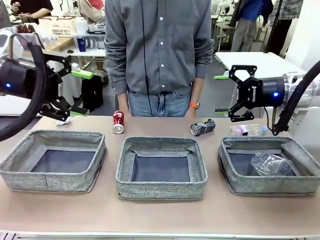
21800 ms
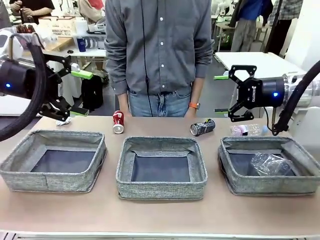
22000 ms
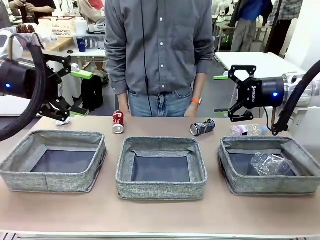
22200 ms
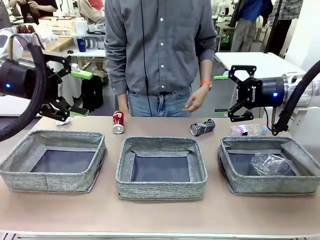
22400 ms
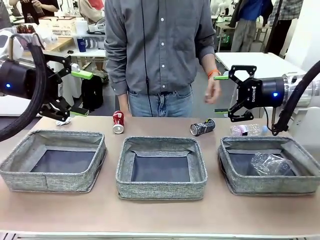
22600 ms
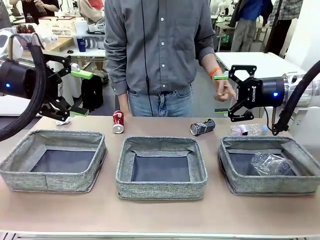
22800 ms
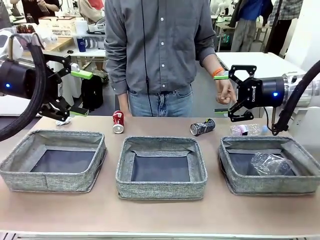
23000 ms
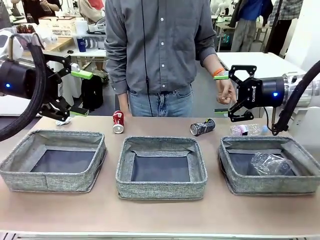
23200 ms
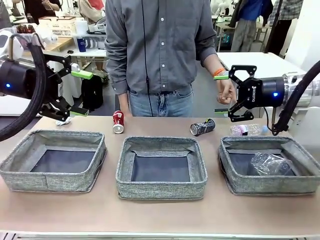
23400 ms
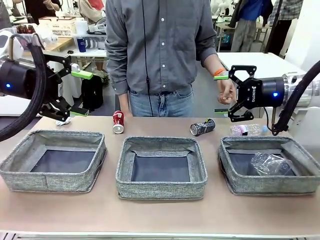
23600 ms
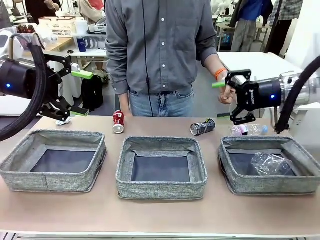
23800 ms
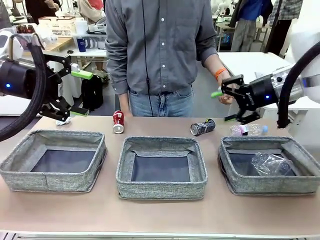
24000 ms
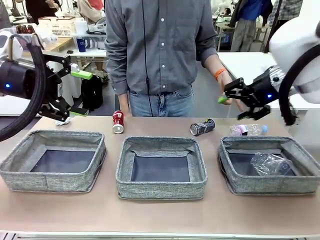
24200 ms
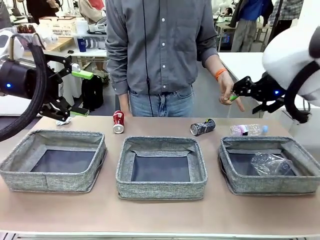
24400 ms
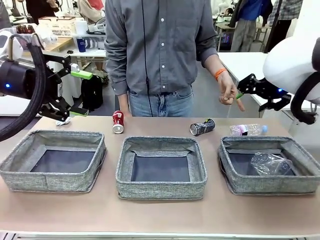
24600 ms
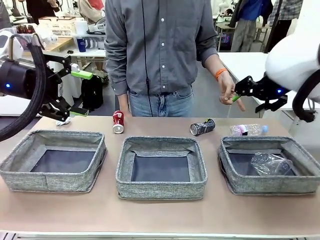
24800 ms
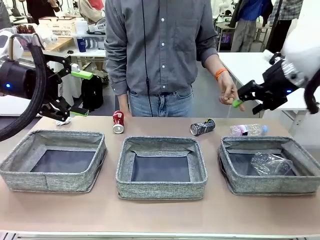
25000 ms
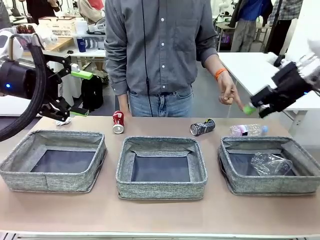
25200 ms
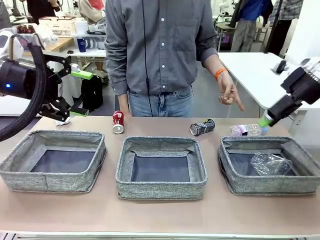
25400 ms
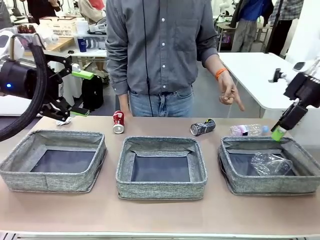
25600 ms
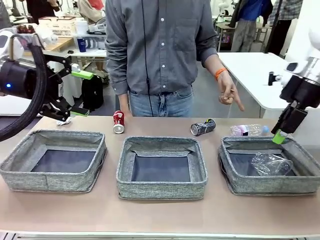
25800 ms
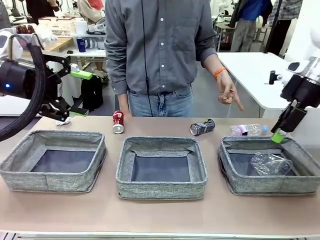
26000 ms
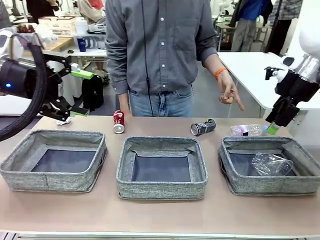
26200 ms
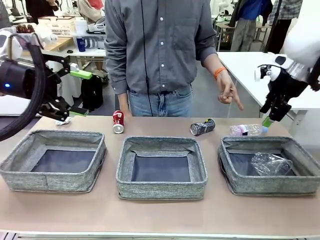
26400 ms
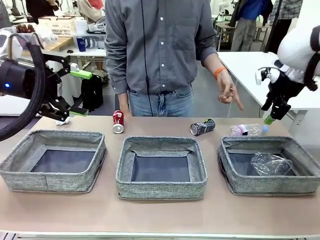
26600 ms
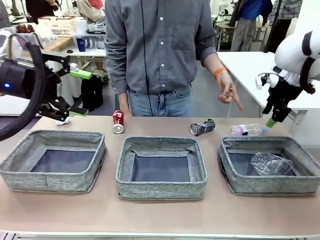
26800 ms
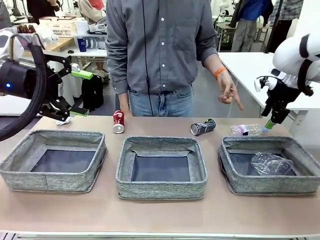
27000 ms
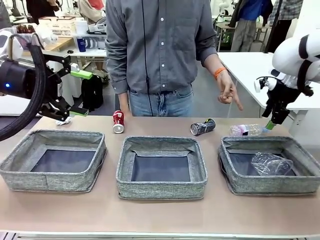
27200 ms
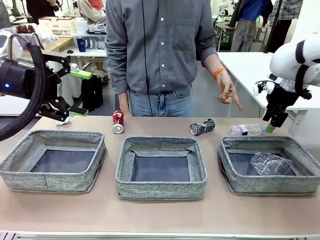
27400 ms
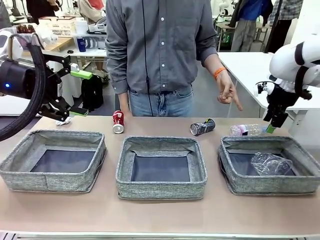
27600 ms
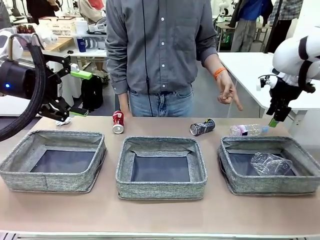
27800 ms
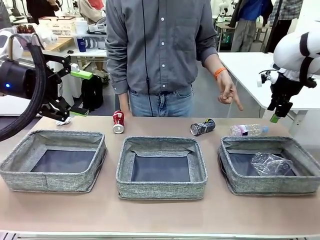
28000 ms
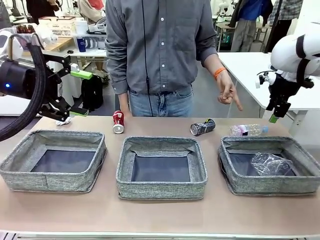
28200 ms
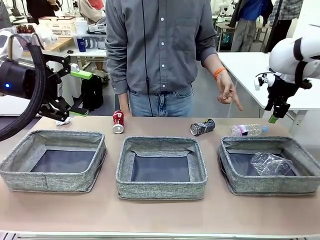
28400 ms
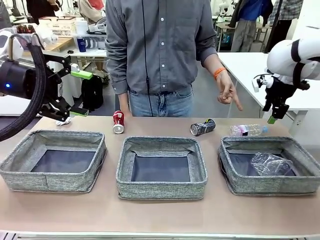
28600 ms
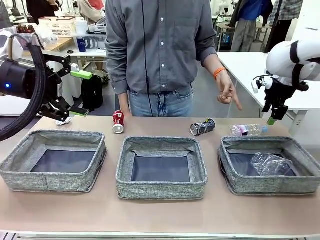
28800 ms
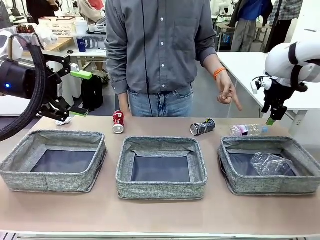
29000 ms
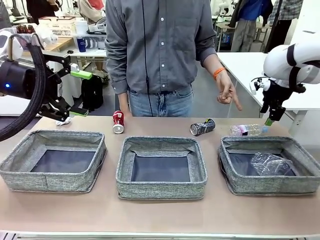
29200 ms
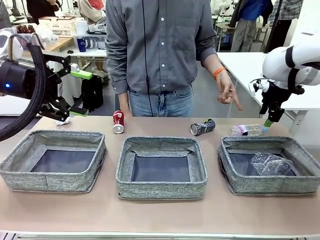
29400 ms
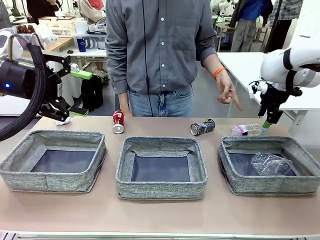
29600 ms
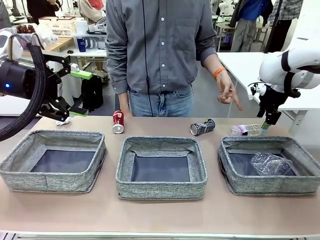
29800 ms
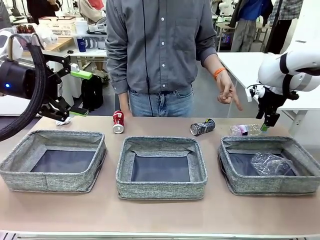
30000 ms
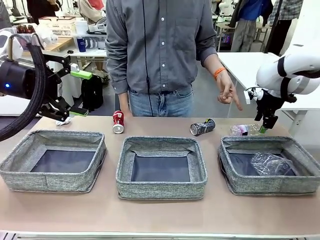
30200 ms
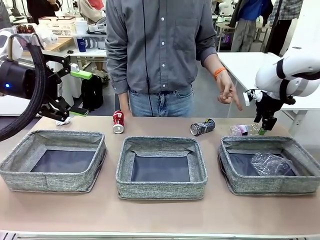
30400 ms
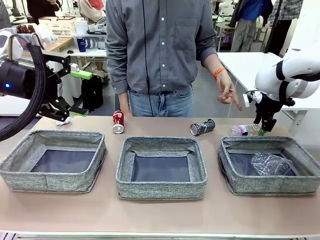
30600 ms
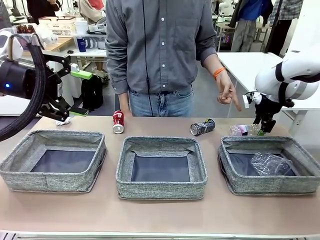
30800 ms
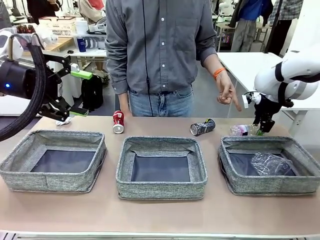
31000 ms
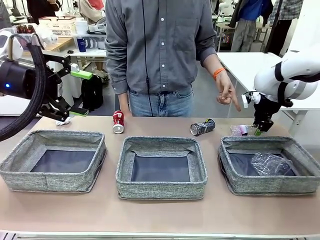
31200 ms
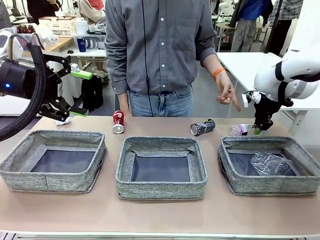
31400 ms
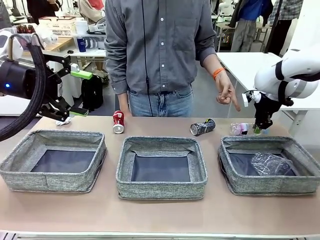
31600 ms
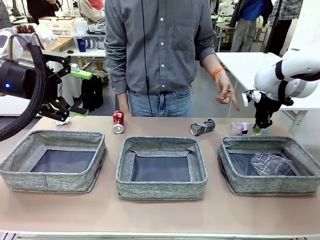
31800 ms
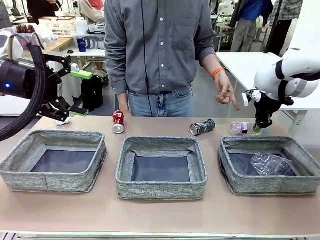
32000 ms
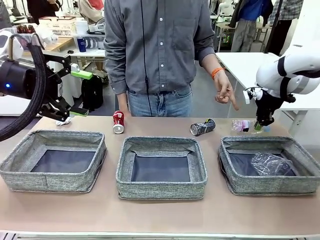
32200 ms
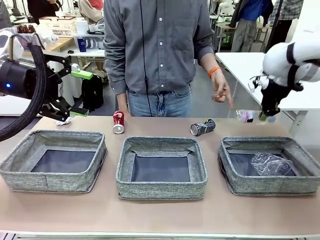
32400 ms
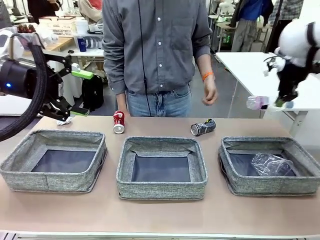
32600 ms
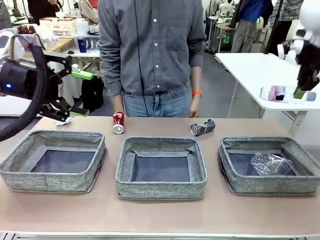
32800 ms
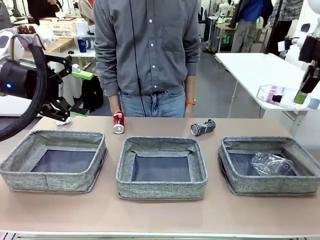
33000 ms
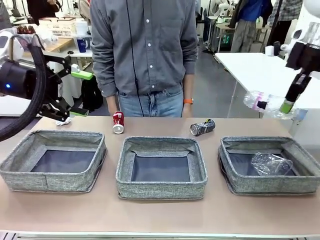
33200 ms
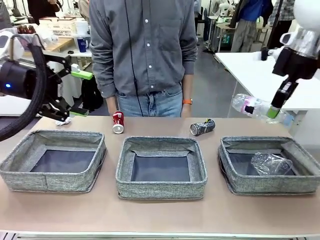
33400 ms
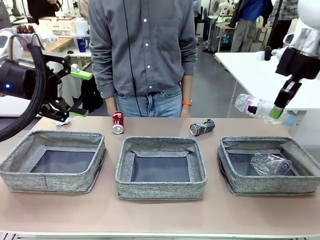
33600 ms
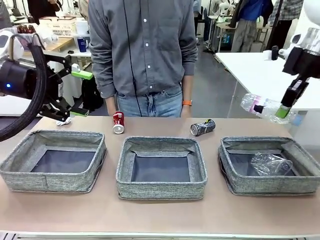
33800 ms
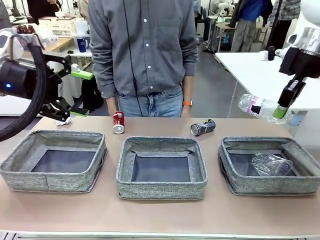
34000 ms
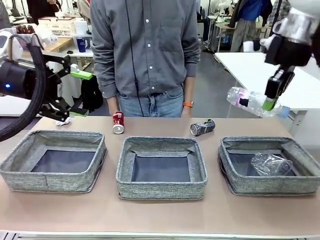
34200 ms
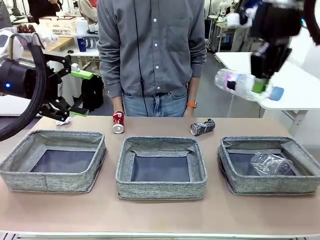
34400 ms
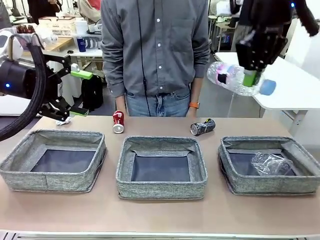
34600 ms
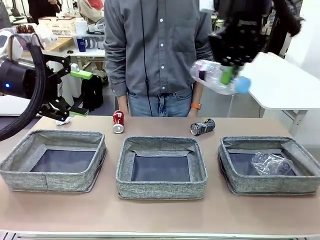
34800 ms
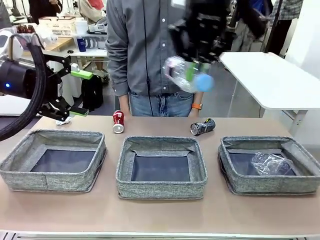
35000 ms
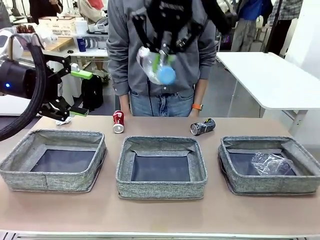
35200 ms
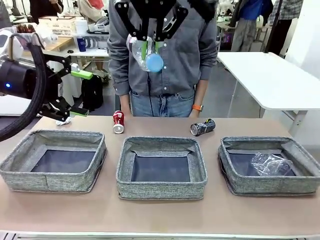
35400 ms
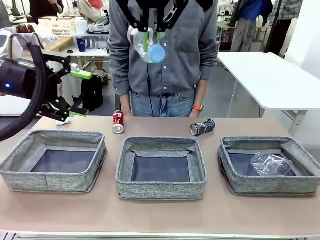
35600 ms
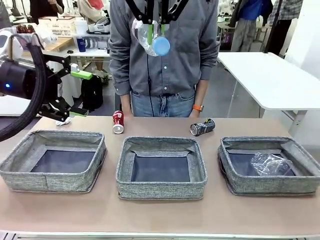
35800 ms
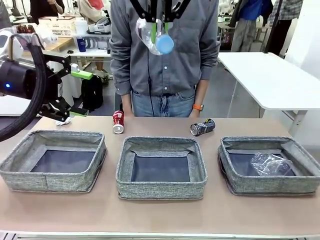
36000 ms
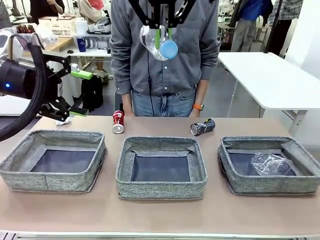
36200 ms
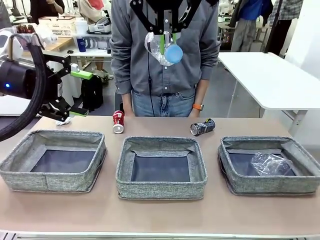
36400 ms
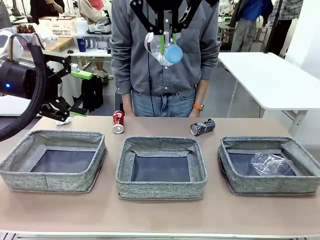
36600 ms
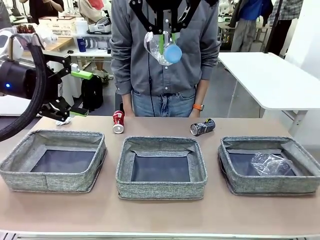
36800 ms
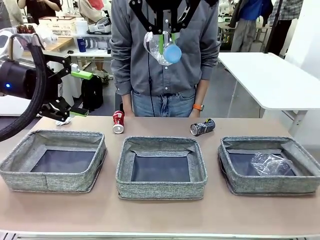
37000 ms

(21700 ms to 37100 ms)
Task: Sort the waste into the appropriate baskets.
Robot: Pick up the waste item pointed out by the person.
Person: Points to one piece of trash on the table.

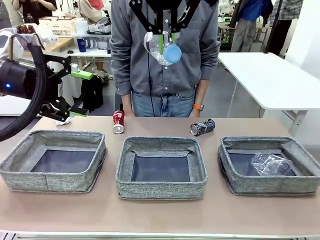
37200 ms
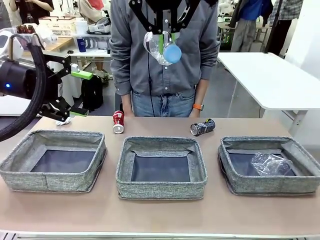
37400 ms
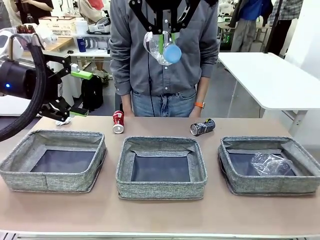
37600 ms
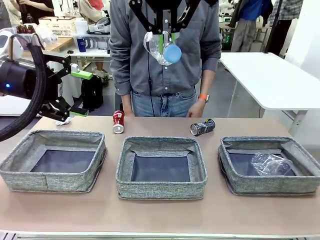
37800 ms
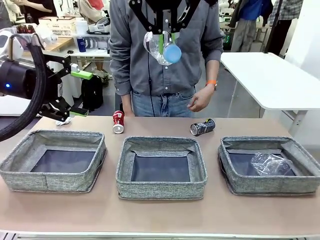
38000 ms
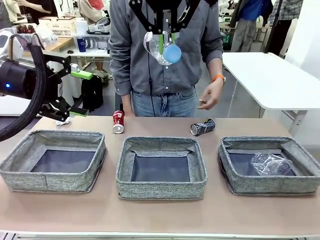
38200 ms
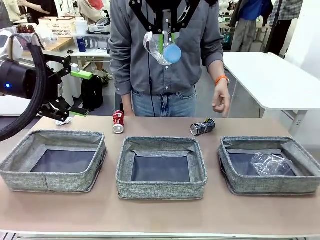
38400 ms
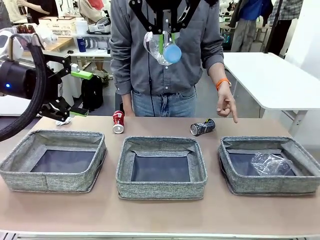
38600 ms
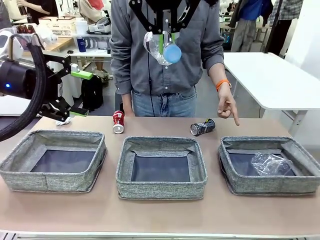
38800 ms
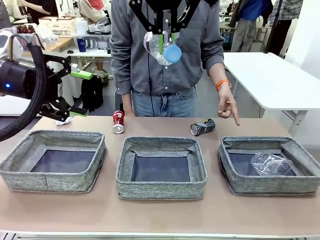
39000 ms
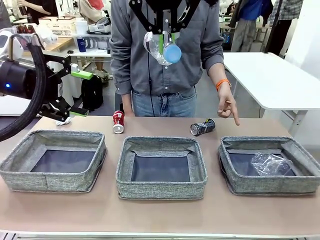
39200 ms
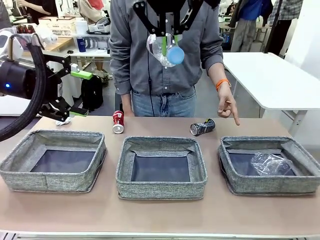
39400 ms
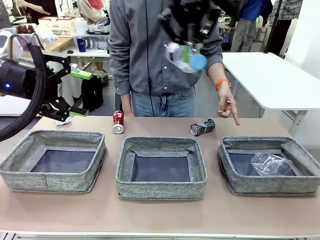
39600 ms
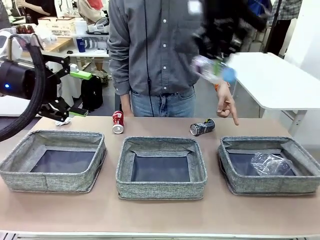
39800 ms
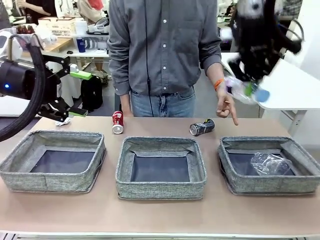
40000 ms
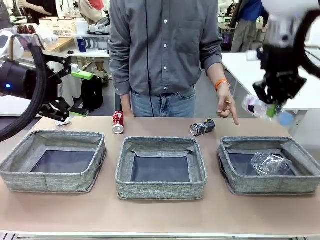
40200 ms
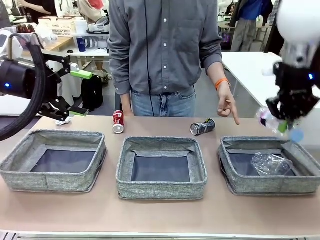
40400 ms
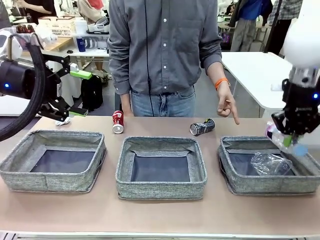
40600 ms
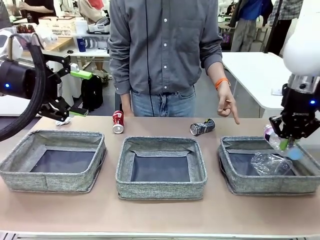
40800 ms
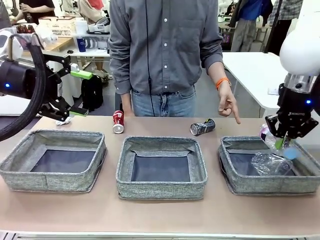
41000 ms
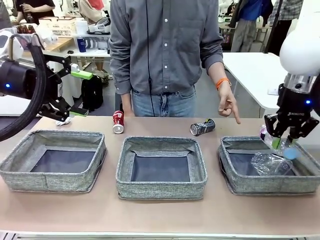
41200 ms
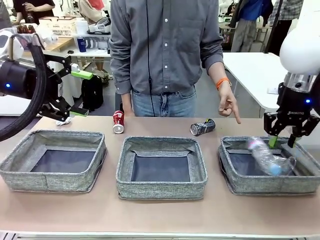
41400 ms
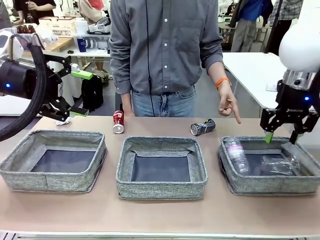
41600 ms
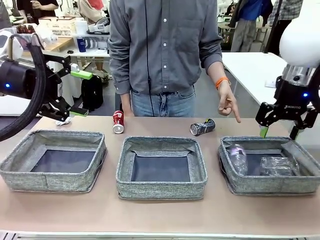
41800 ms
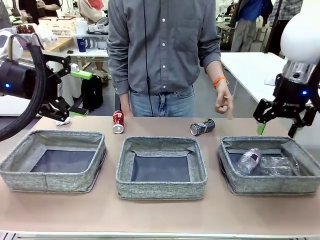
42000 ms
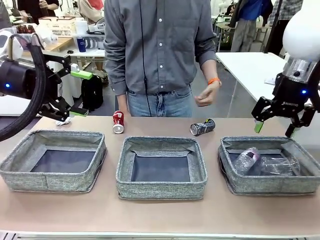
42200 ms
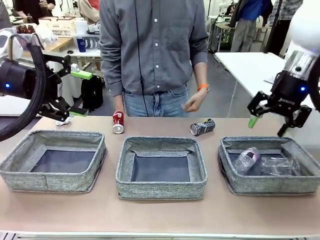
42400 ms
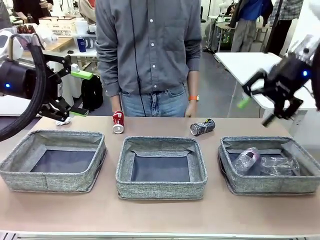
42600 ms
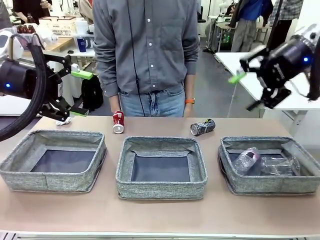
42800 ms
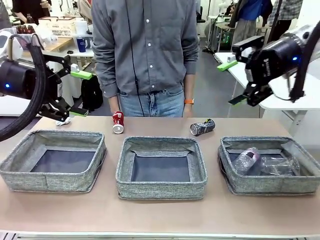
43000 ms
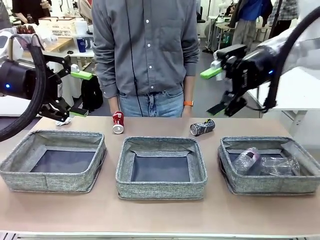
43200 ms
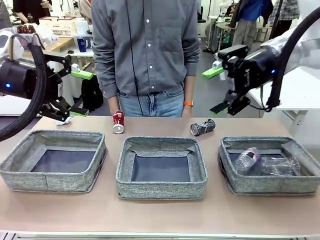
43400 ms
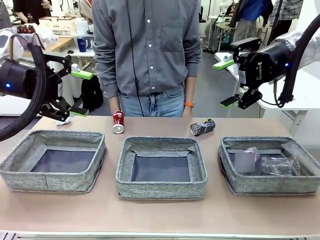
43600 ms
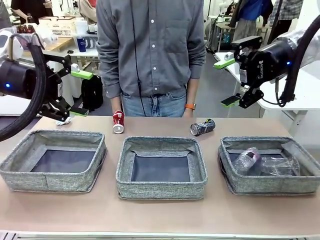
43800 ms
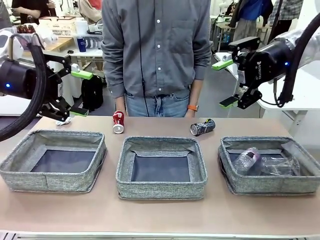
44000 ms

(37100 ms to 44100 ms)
Robot: Place the picked waste into the Fabric basket indicated by the person.
Person: Instructs the robot to place the picked-up trash into the appropriate organizing basket.
